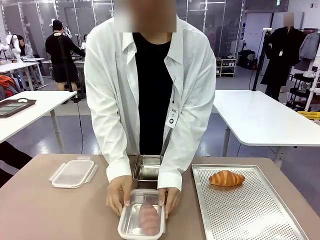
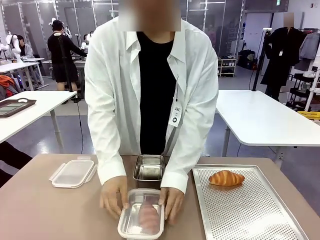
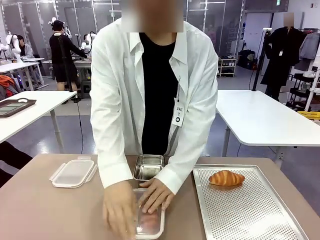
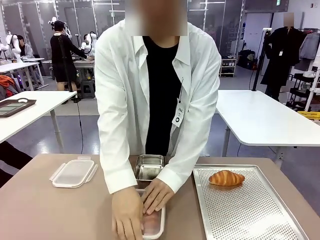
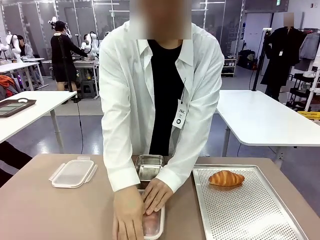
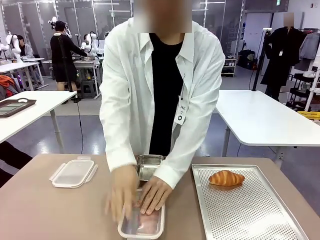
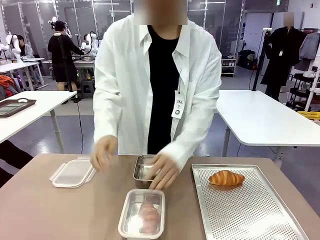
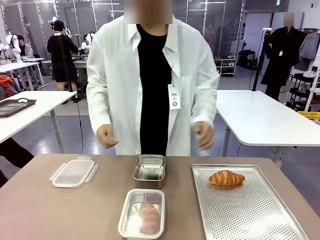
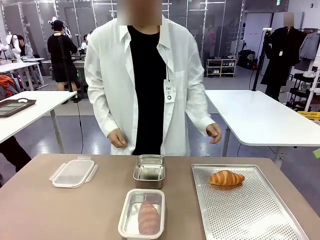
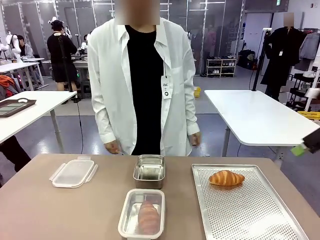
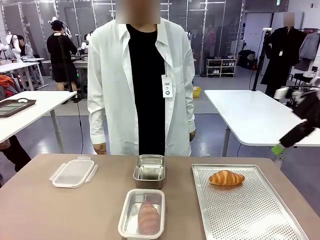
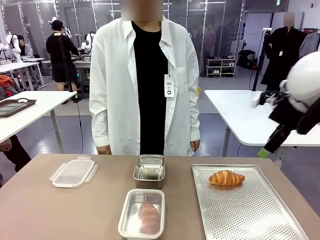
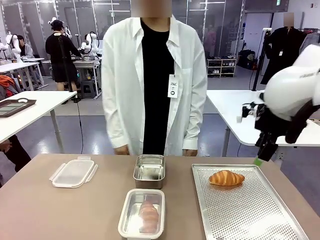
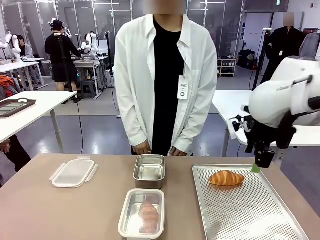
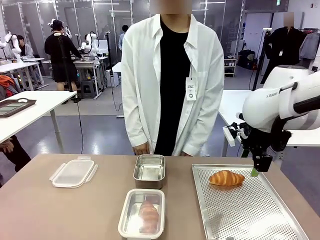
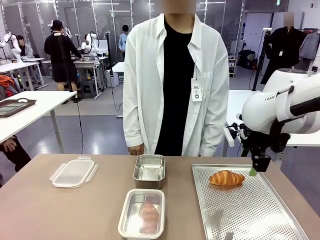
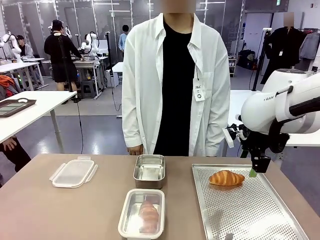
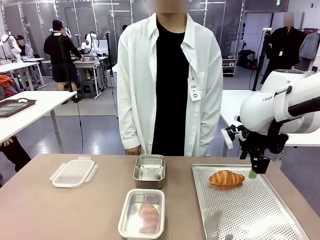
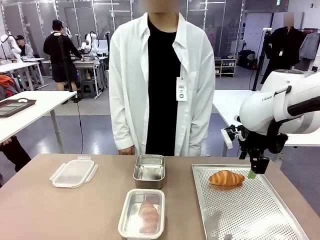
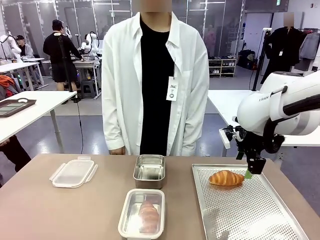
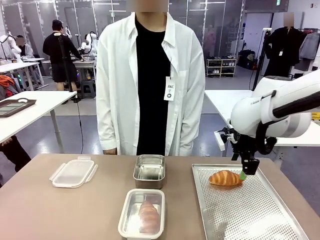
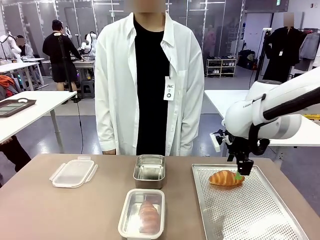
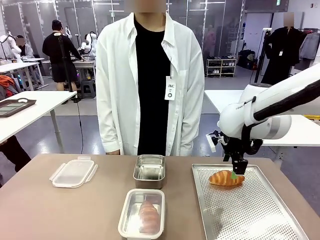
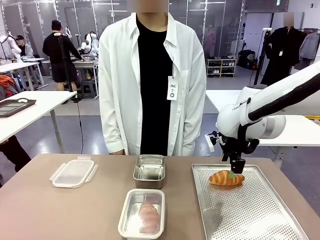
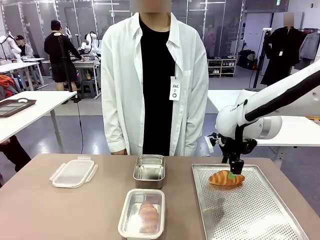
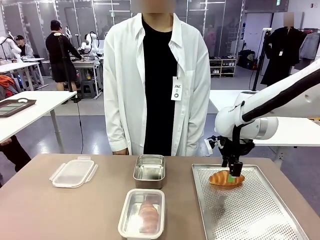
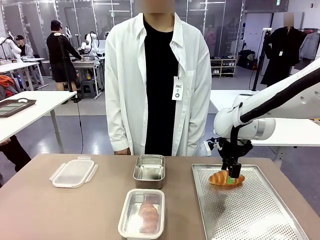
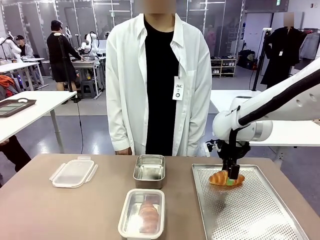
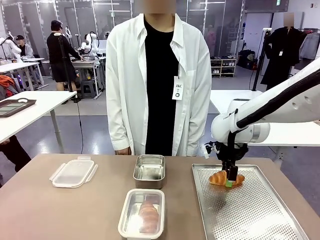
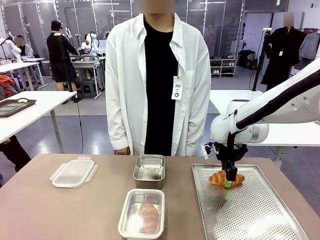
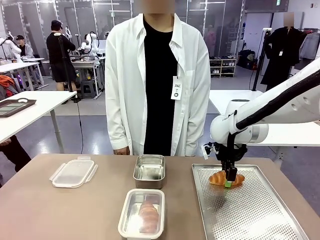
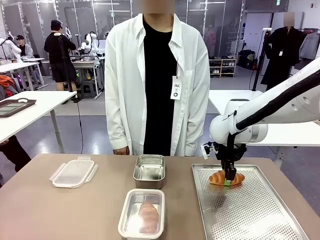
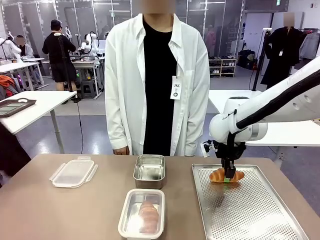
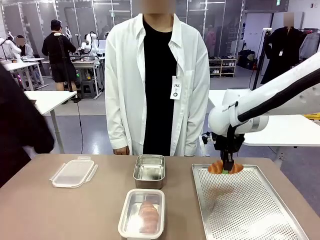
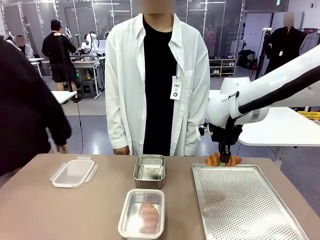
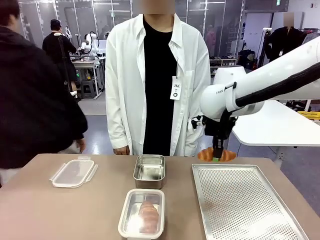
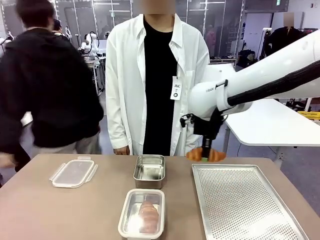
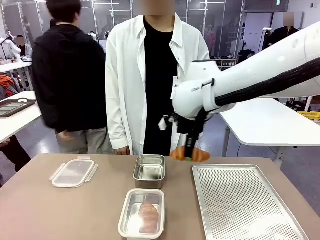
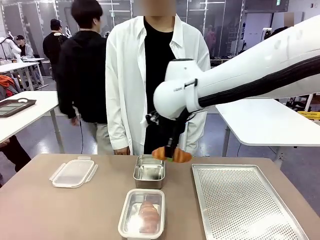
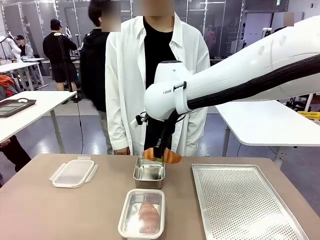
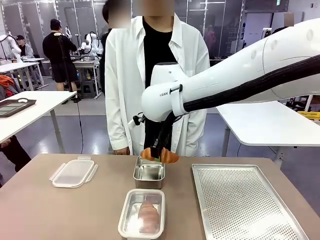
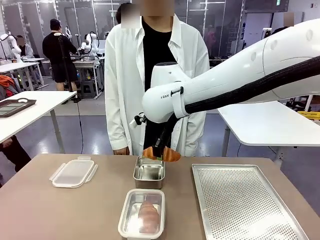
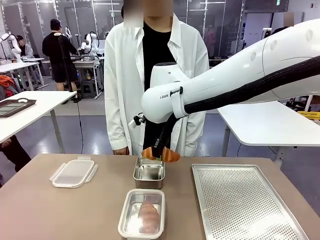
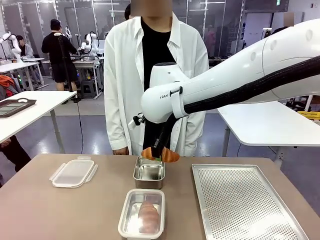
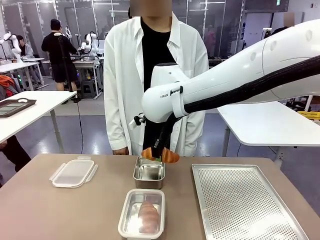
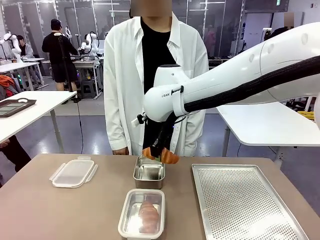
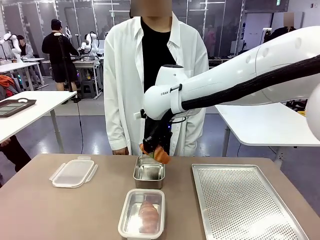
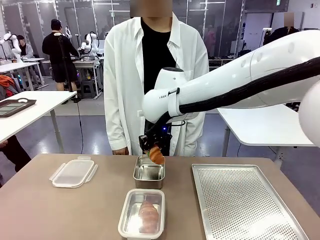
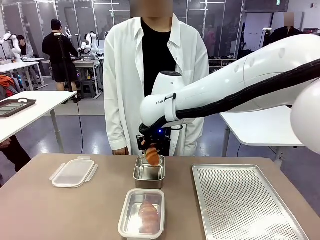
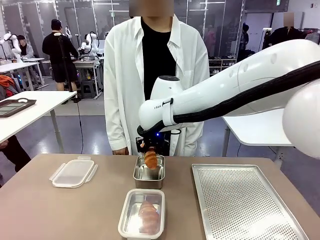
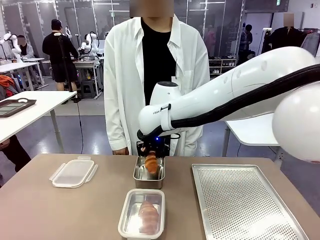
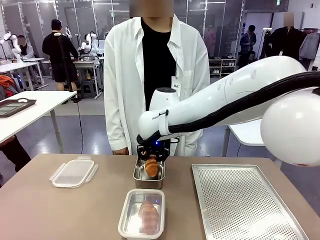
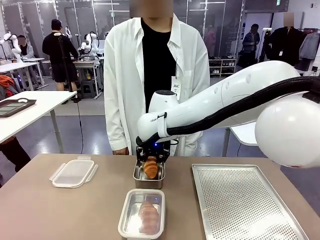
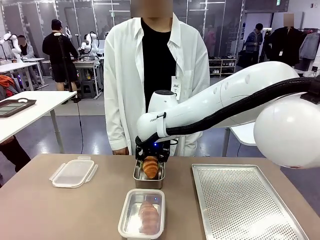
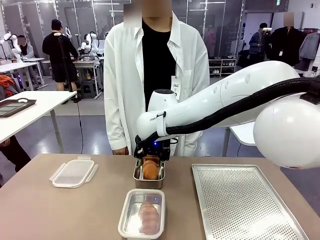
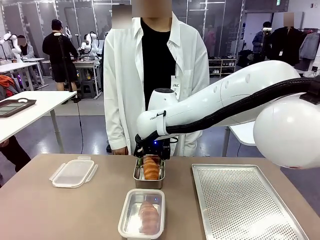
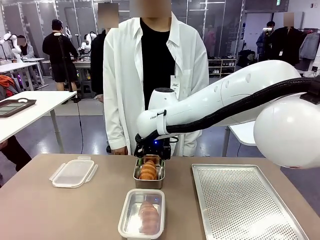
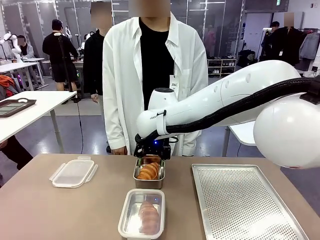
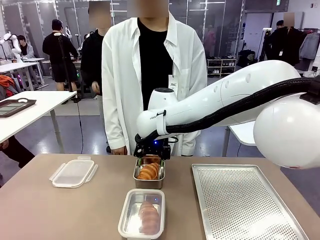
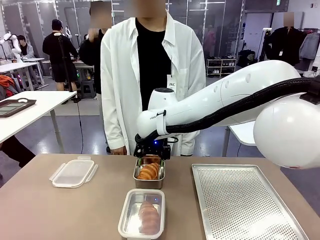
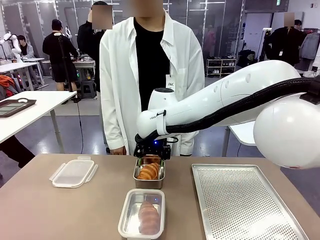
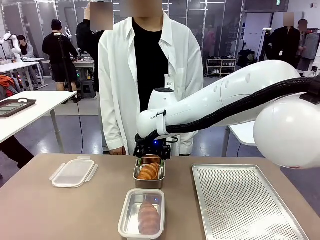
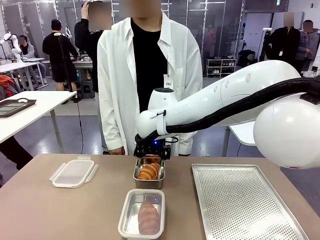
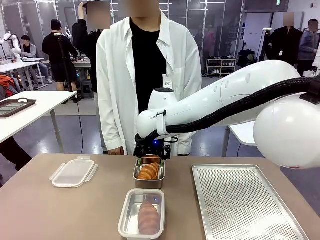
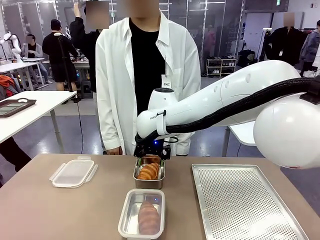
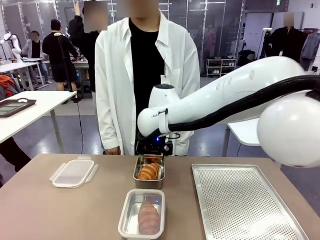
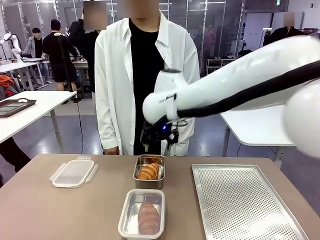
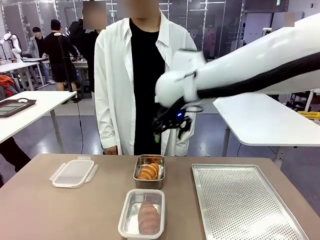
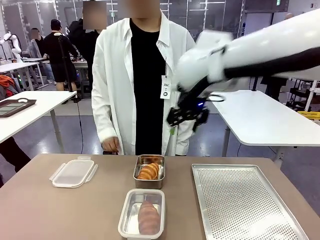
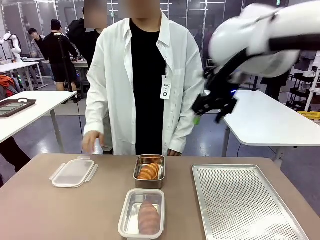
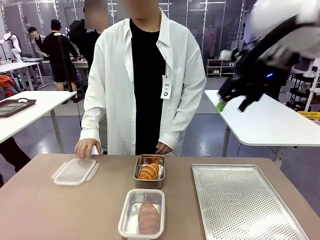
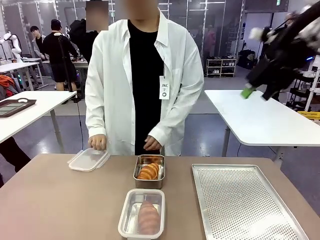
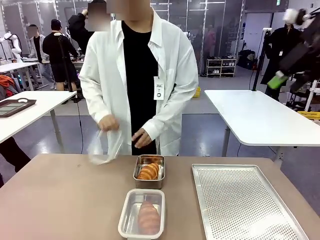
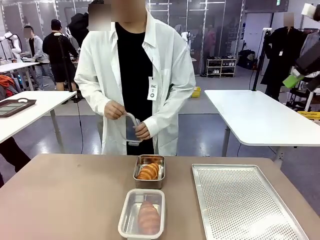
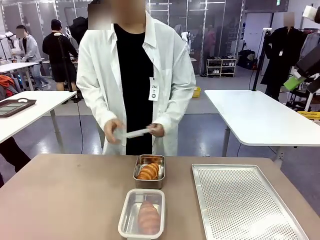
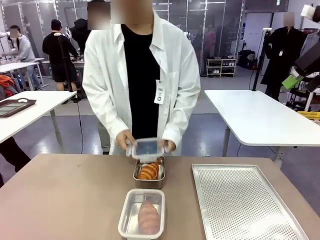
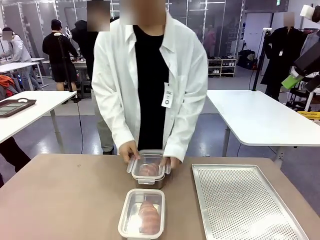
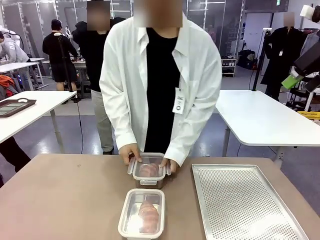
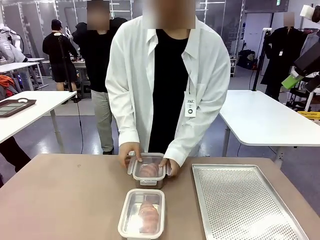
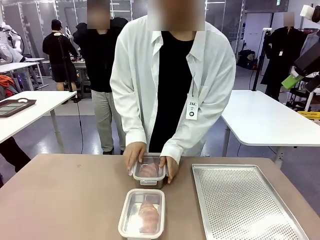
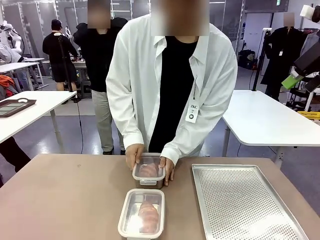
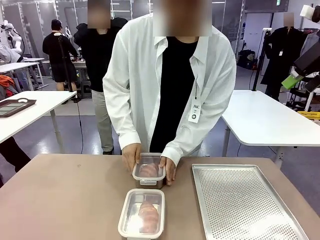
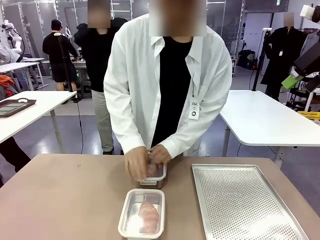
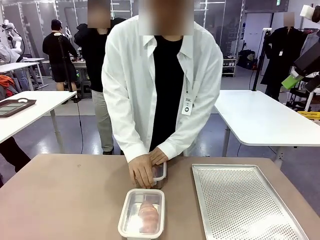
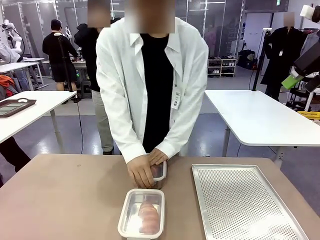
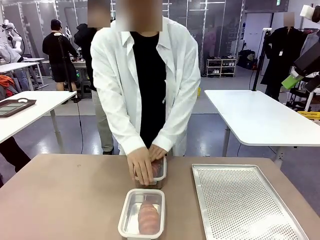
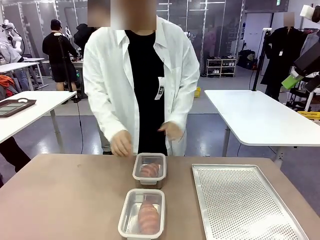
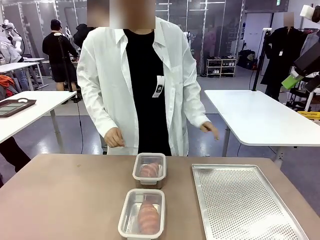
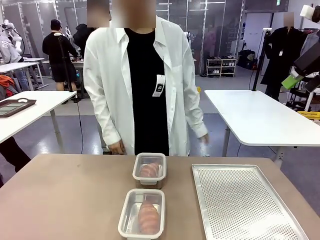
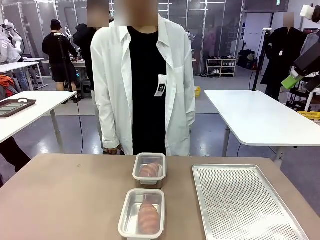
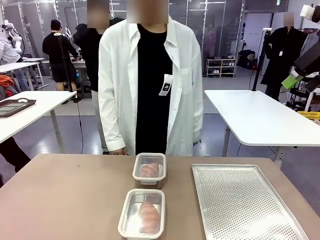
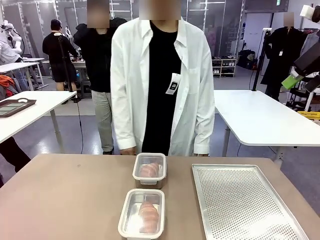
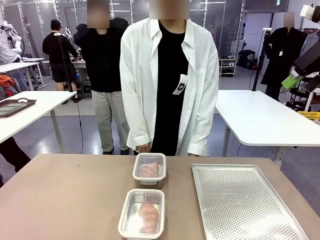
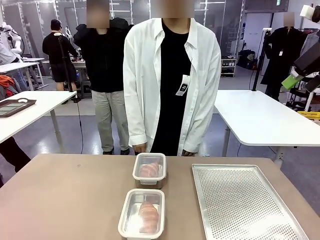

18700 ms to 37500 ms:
Task: Place the bread into the airtight container.
Robot: Pick up a Butter Roll and place it into an empty Airtight Container.
Person: Once a Butter Roll is inside an Airtight Container , close the lid of that Airtight Container.
